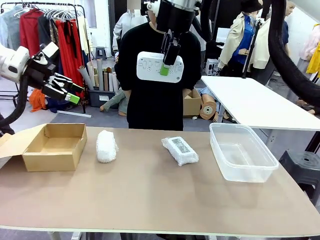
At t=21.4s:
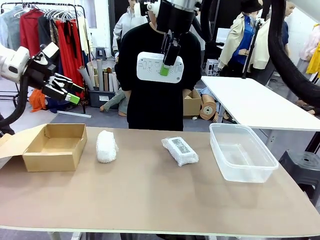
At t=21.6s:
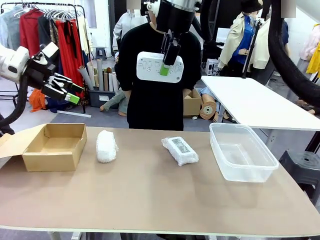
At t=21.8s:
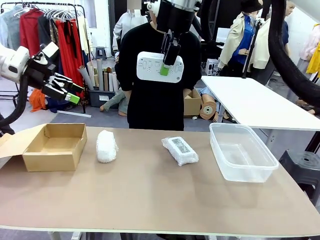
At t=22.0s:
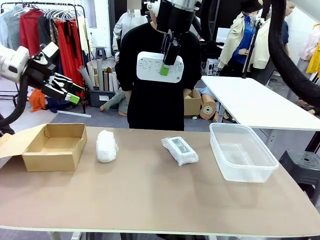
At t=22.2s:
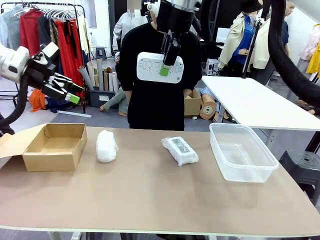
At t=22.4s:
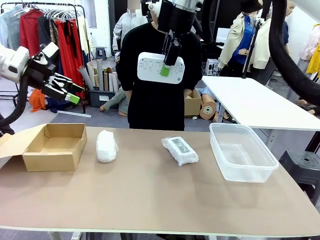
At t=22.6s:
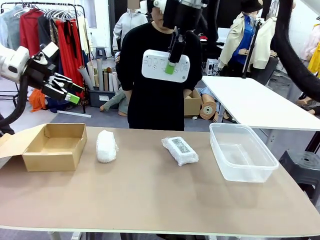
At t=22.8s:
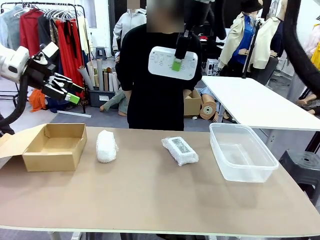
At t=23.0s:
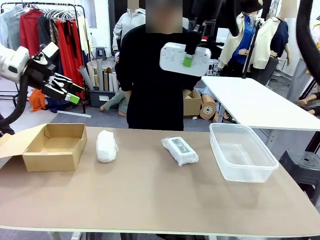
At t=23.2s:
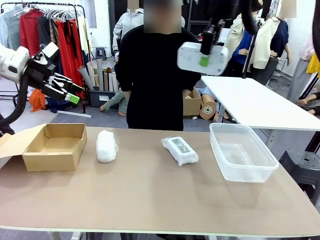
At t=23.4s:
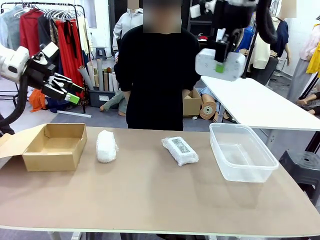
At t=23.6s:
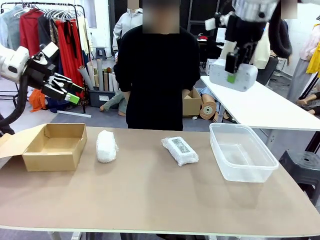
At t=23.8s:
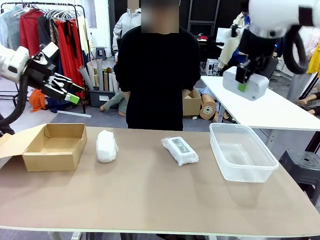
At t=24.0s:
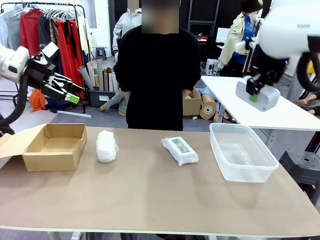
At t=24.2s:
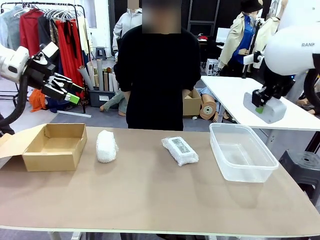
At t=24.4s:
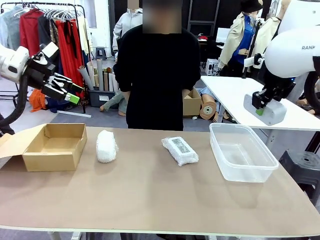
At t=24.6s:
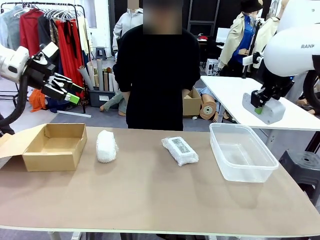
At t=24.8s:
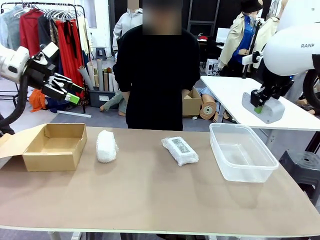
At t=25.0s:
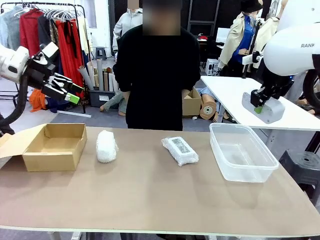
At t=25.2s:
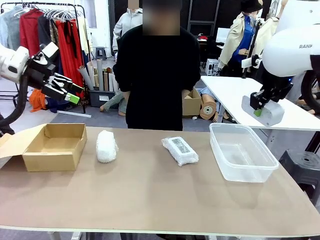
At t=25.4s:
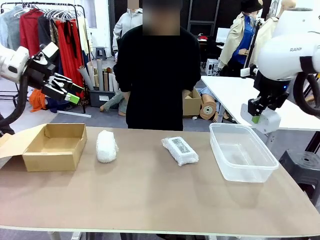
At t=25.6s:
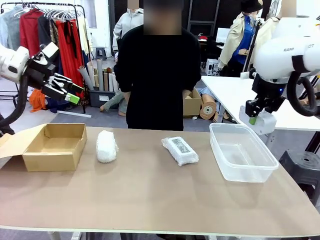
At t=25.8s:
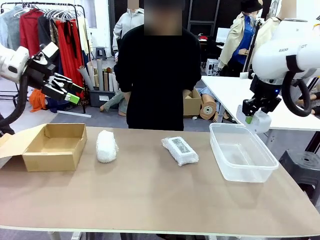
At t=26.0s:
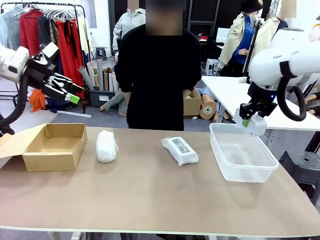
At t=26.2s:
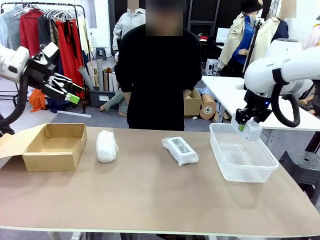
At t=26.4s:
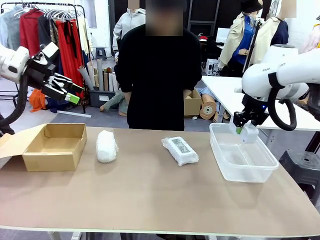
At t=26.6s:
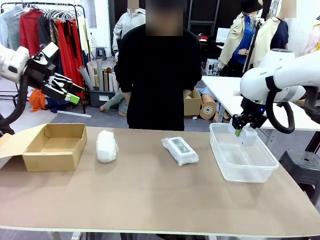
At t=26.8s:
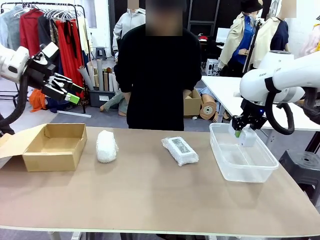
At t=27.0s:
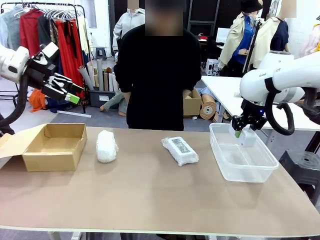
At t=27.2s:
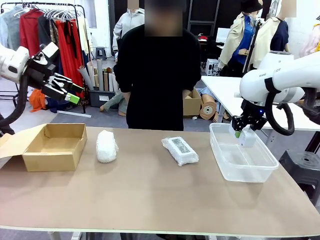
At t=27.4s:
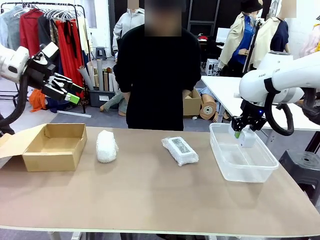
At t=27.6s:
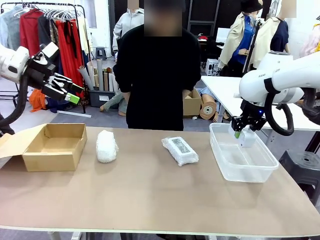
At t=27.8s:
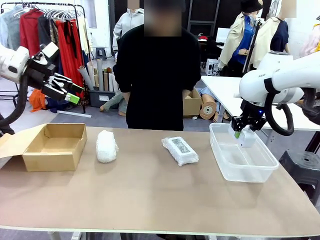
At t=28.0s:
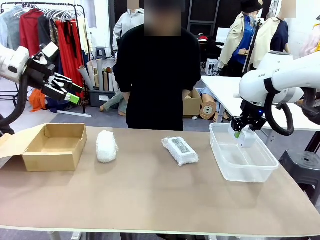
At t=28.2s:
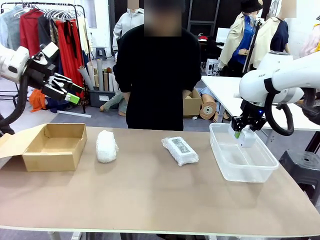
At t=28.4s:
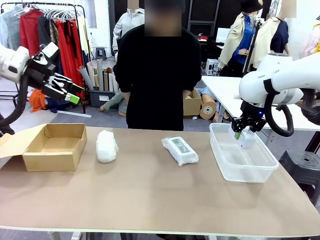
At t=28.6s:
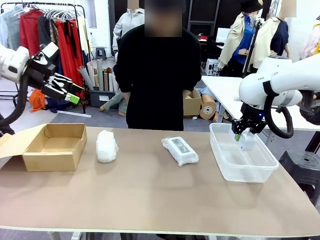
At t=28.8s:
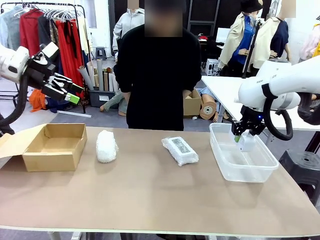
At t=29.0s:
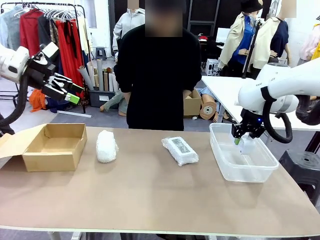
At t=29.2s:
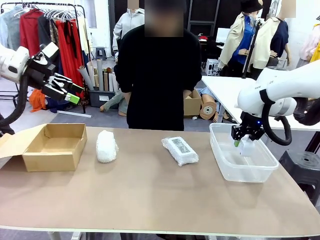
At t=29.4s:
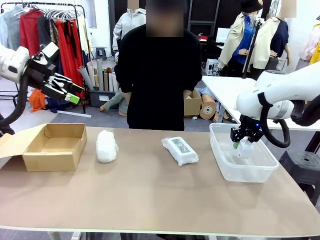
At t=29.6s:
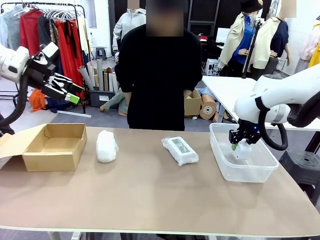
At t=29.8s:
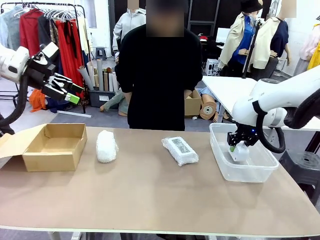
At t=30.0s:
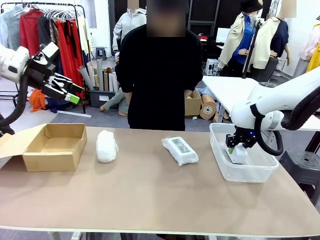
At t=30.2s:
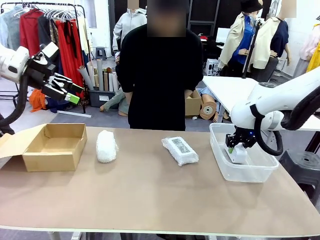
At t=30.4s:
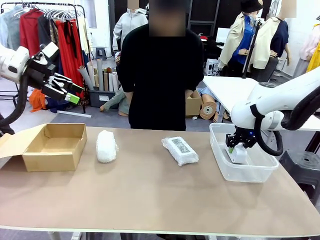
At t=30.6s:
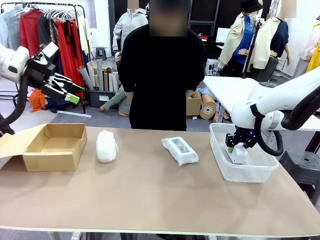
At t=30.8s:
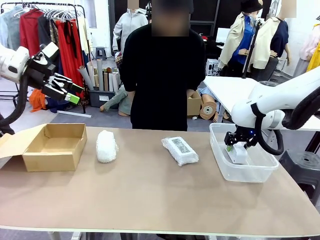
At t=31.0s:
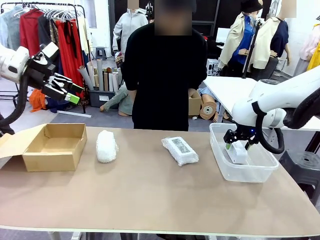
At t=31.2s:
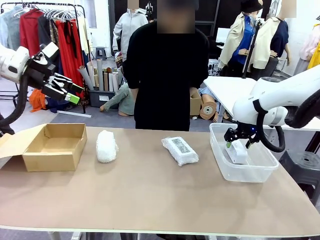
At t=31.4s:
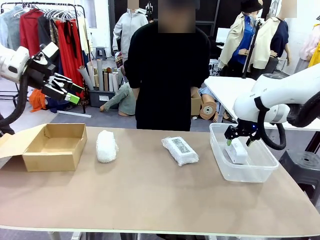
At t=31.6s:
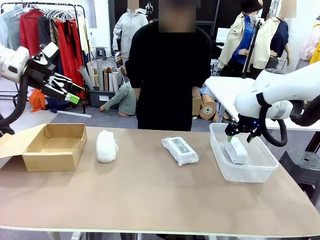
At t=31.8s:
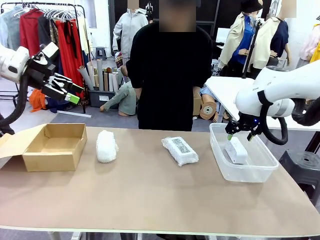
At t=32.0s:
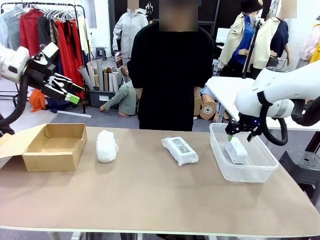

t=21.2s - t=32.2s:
Task: Separate and place wrapped and unwrapped clocks.
Robot: If the picked Digital clock is wrapped, place it in the Package Box ; if not, place it in the Organizing box.

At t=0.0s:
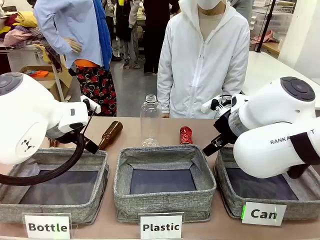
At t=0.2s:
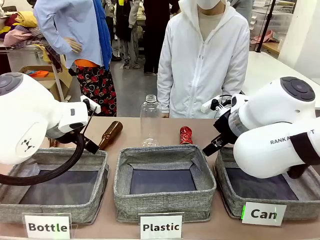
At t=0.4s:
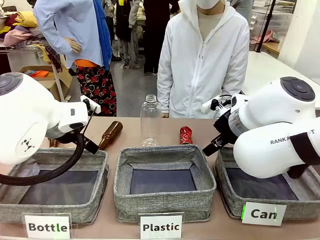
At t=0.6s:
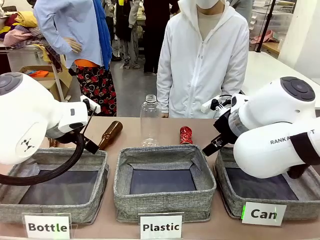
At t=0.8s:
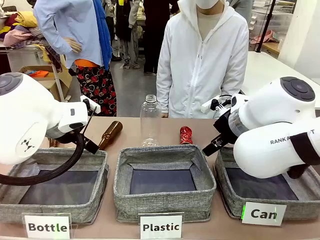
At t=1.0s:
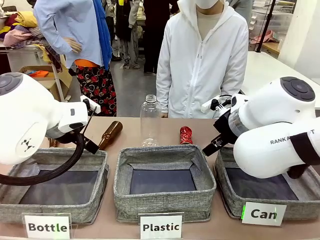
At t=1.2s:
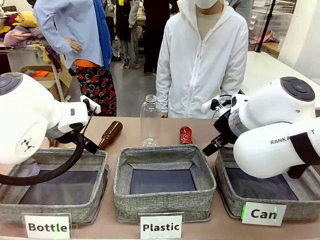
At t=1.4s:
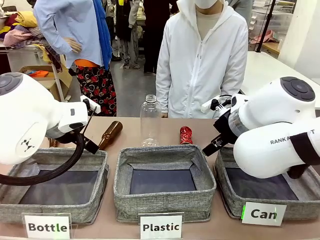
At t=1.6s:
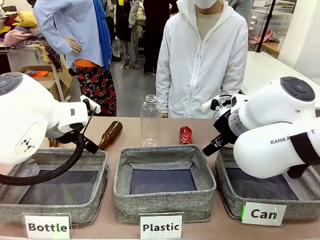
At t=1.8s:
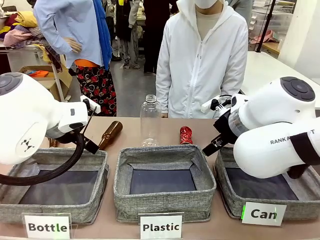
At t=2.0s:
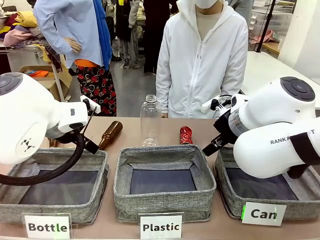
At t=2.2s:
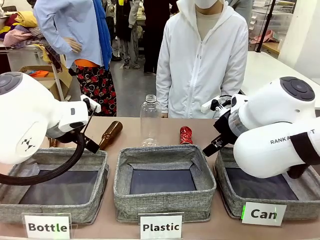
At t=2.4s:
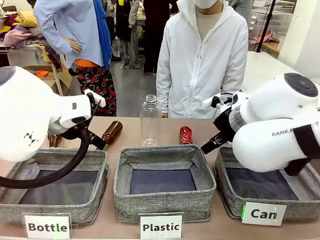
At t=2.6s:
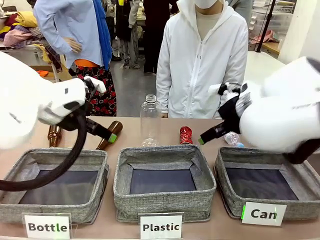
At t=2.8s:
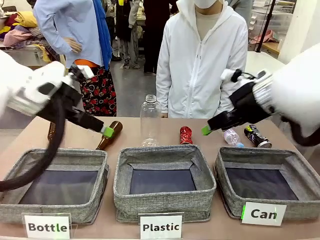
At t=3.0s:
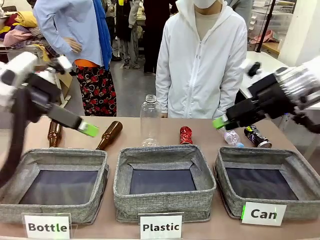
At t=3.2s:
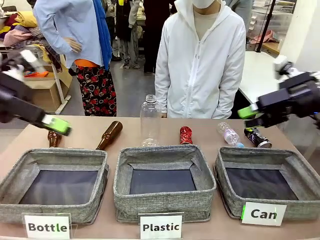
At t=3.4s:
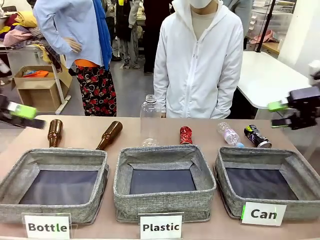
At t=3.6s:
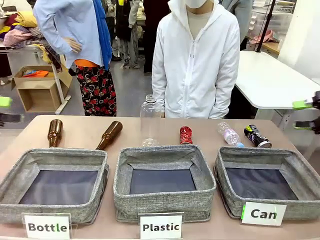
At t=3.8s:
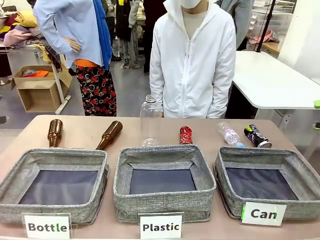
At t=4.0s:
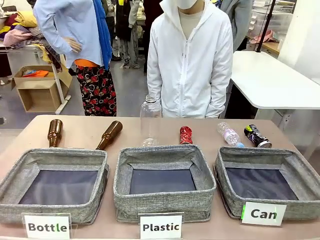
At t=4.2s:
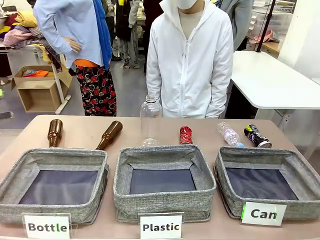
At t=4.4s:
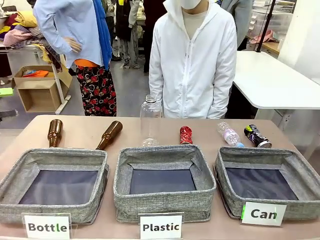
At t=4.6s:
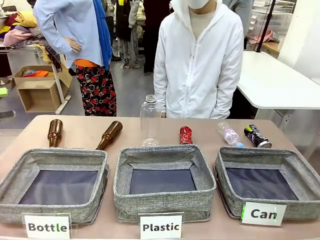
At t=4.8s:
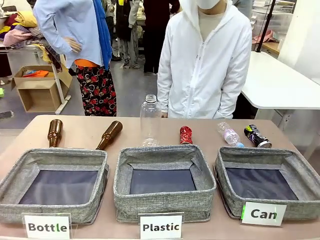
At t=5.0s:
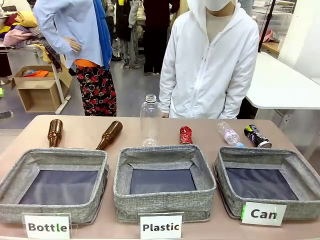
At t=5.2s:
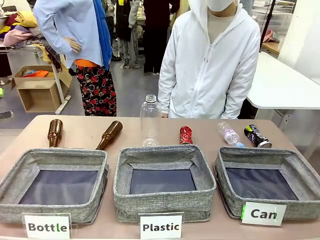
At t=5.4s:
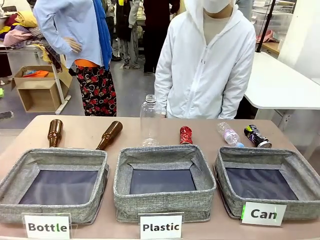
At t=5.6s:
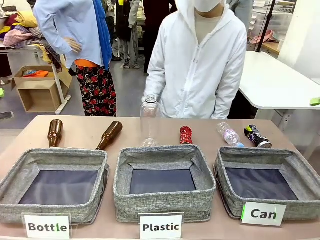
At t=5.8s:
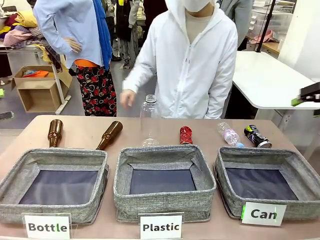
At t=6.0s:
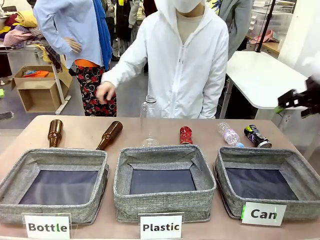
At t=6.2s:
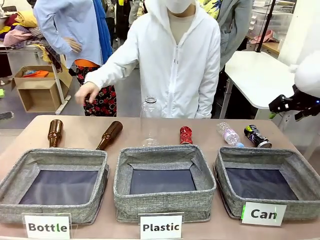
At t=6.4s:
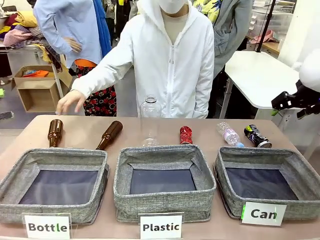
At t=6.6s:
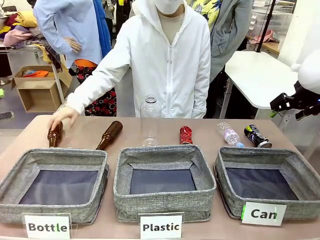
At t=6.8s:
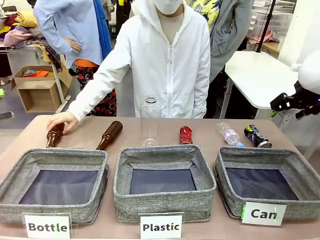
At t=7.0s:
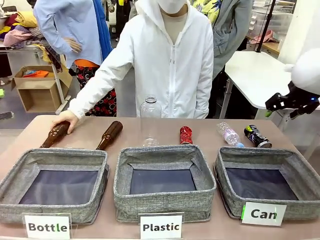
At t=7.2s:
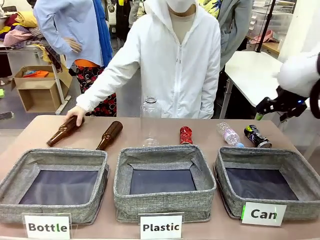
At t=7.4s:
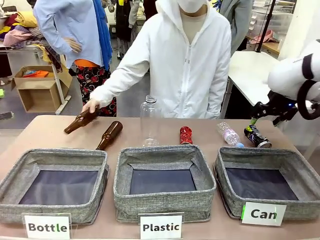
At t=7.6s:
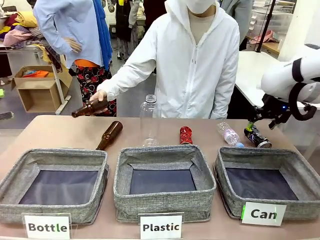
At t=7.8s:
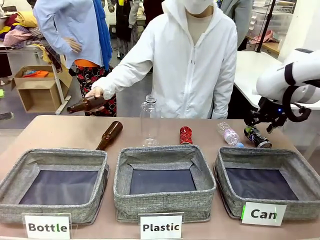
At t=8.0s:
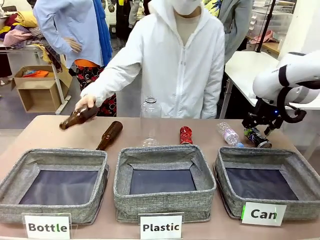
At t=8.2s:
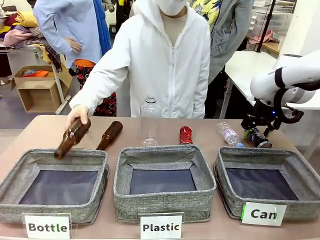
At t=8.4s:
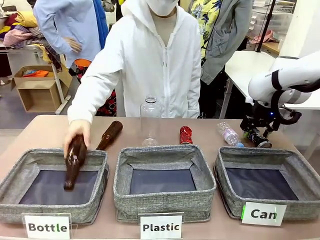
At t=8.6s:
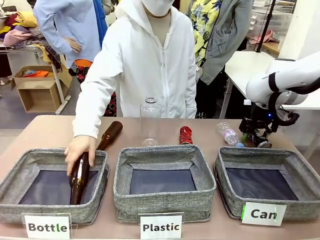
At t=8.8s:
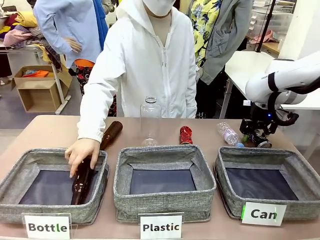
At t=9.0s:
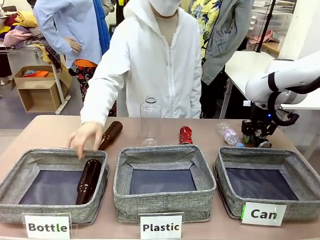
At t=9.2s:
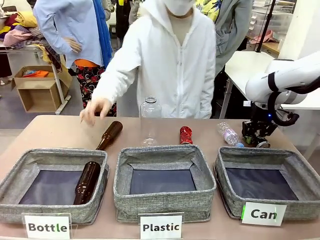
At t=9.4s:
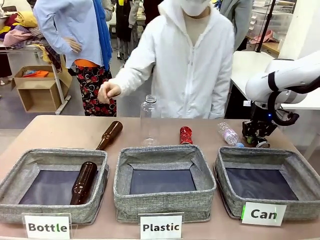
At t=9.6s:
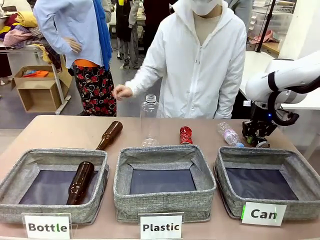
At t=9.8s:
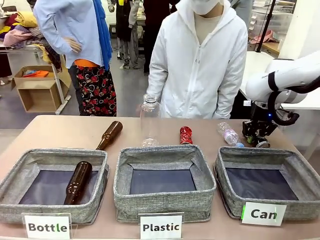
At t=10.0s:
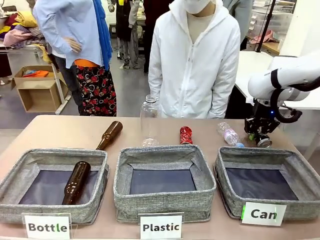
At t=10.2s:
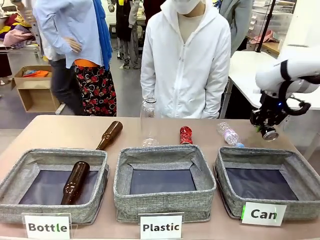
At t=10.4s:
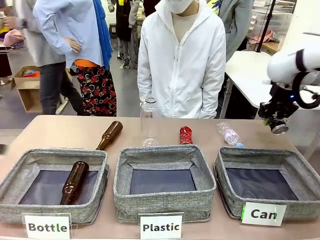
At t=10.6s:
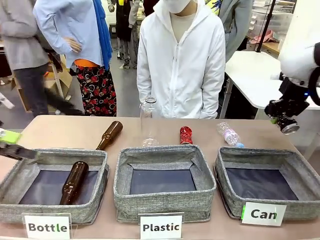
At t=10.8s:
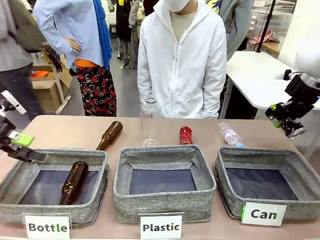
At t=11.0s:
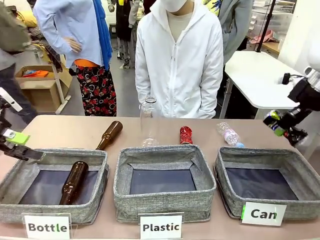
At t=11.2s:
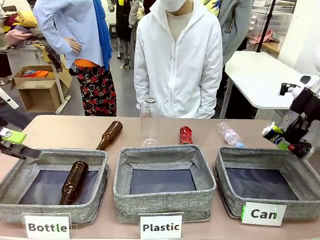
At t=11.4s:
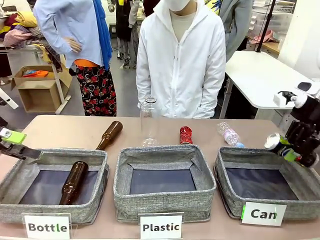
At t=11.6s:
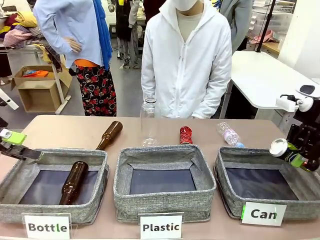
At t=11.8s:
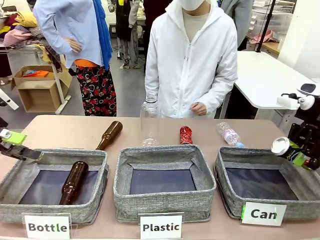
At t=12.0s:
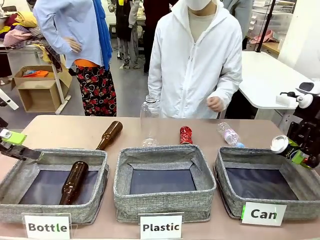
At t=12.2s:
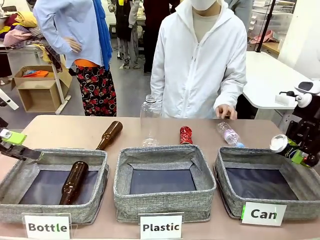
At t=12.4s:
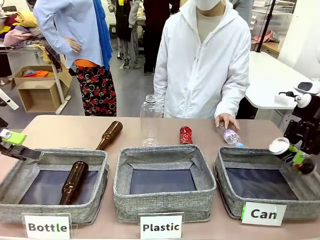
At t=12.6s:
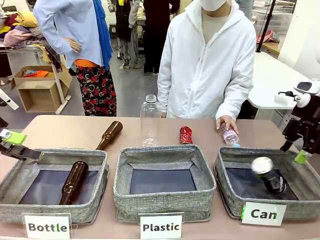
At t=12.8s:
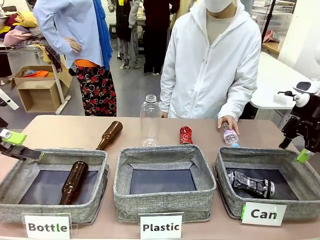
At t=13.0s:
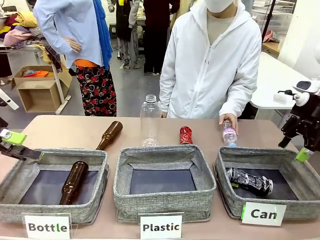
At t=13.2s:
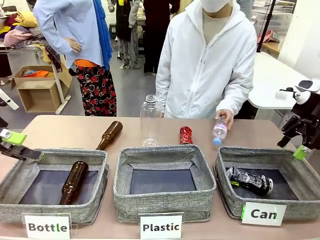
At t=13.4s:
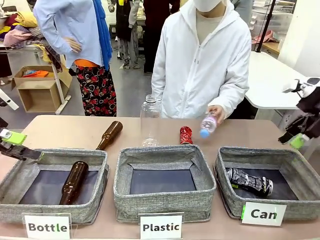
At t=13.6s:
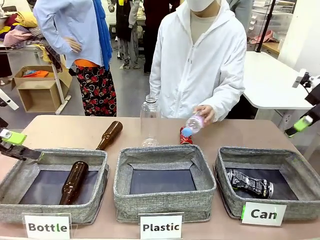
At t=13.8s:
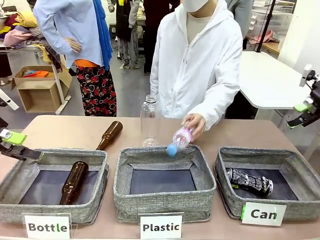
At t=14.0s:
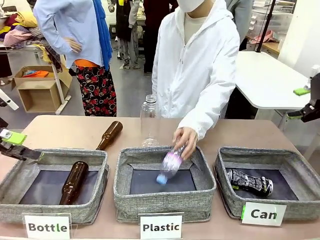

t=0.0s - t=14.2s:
Task: Sort the can waste into the basket.
Robot: Pick up the can waste from the table and place it in the right Fabric basket.
